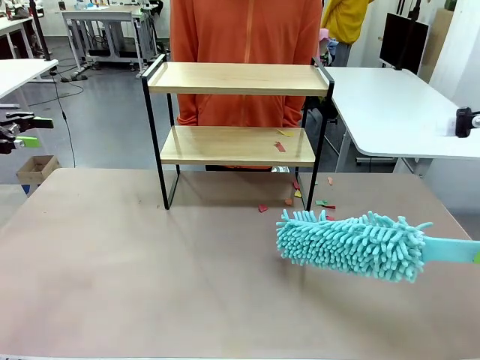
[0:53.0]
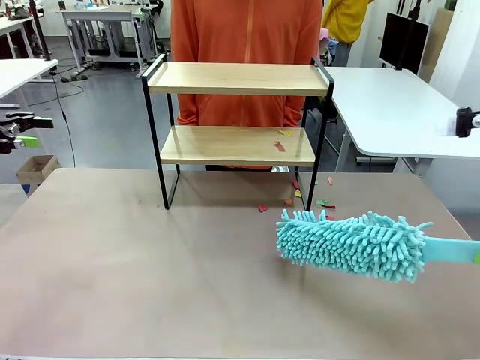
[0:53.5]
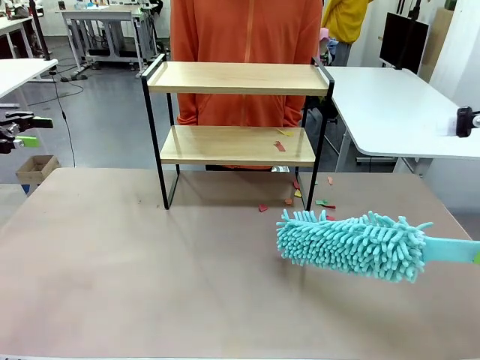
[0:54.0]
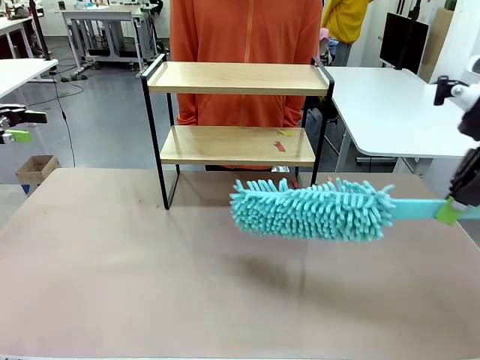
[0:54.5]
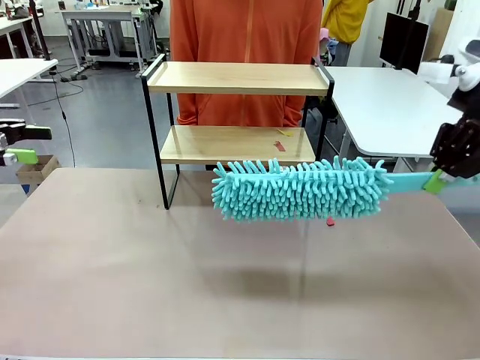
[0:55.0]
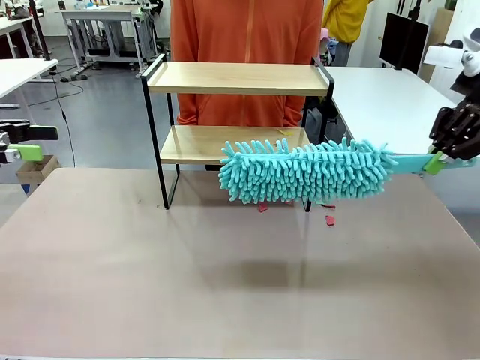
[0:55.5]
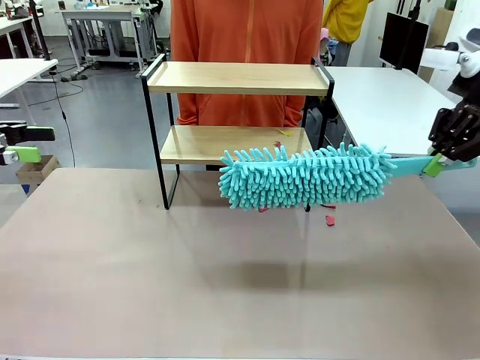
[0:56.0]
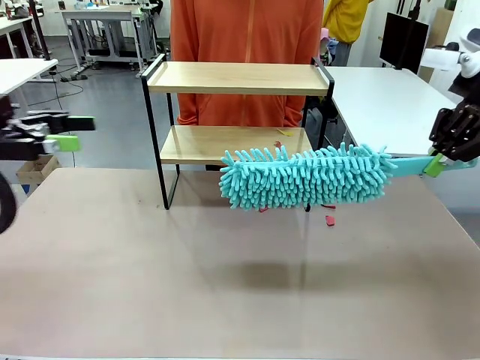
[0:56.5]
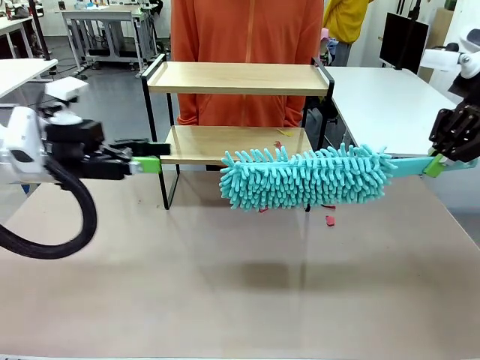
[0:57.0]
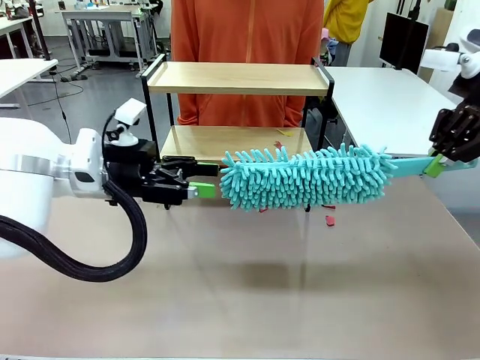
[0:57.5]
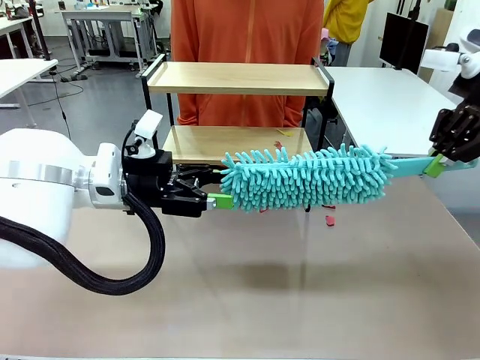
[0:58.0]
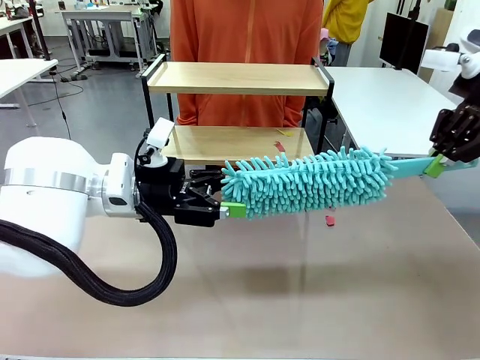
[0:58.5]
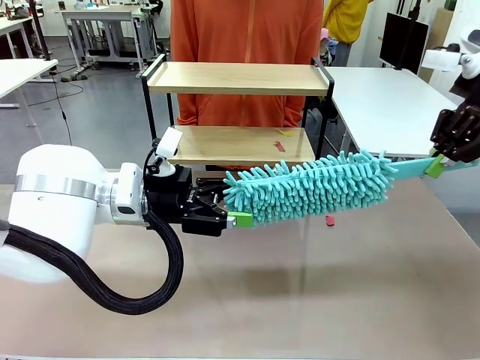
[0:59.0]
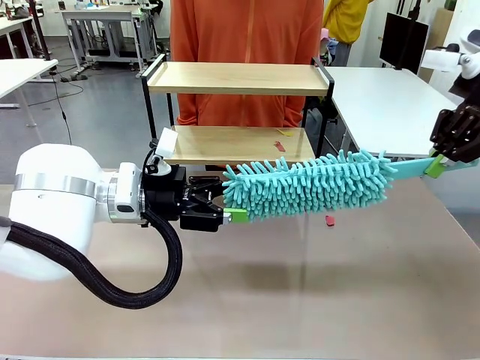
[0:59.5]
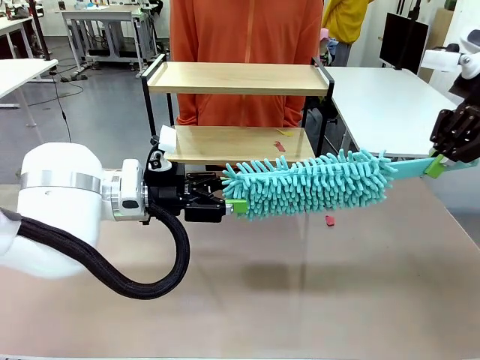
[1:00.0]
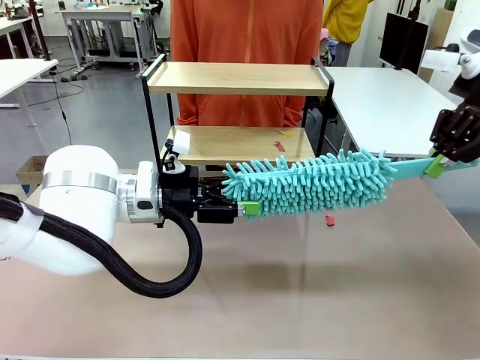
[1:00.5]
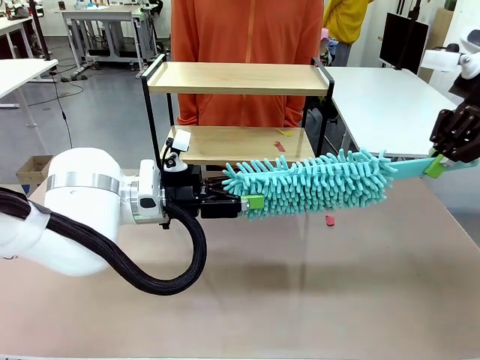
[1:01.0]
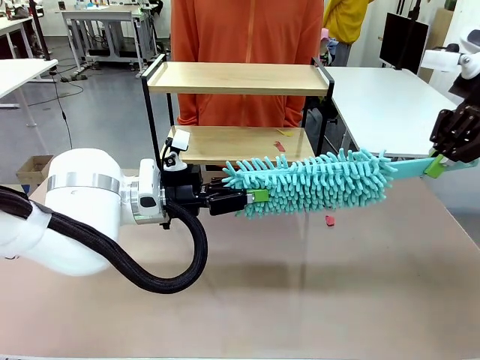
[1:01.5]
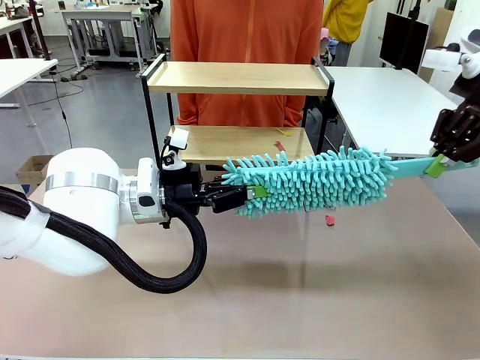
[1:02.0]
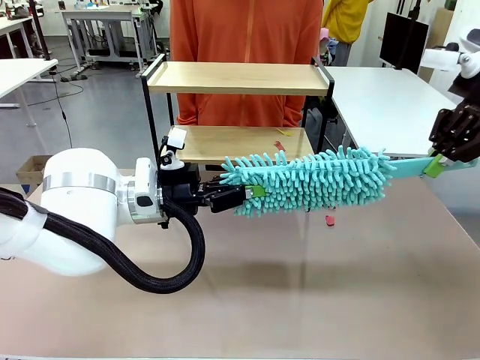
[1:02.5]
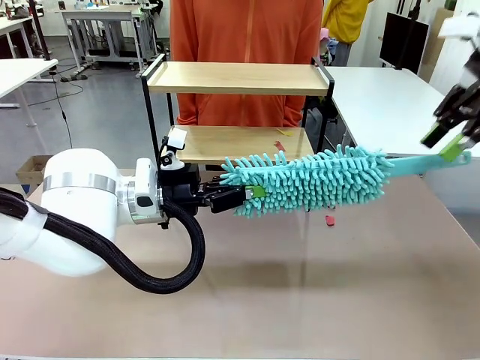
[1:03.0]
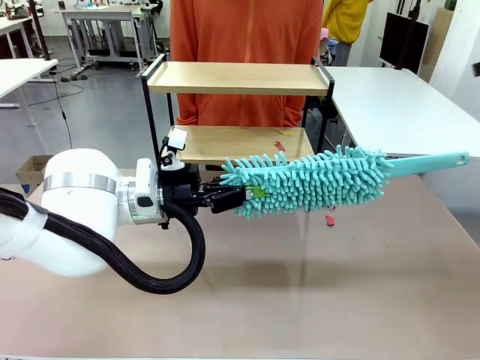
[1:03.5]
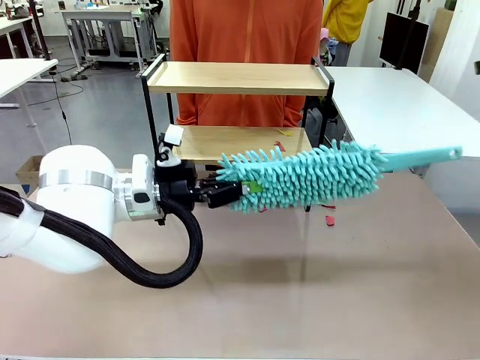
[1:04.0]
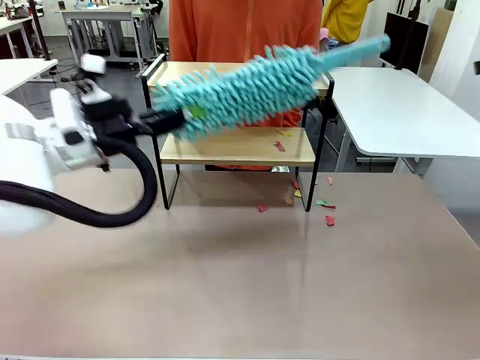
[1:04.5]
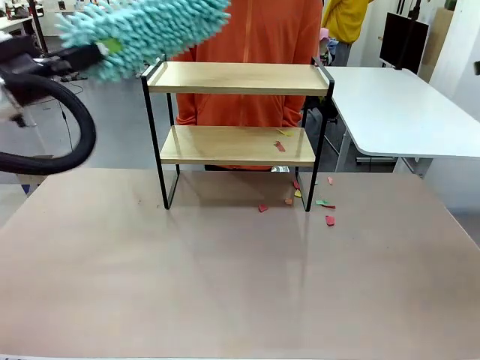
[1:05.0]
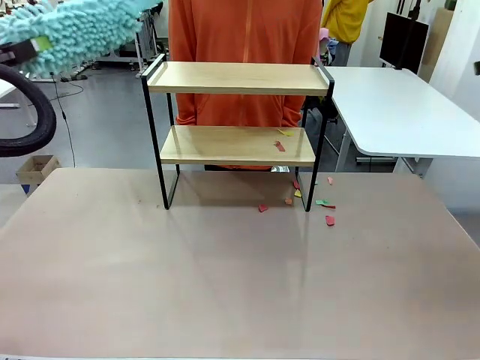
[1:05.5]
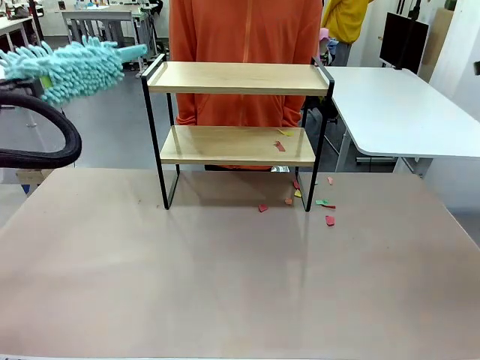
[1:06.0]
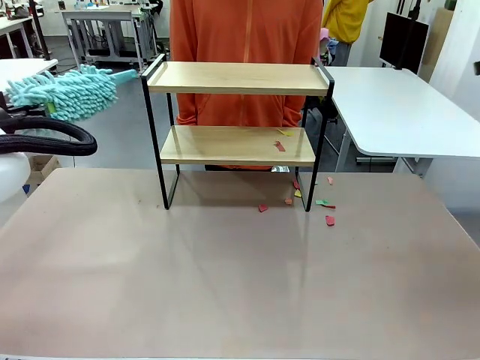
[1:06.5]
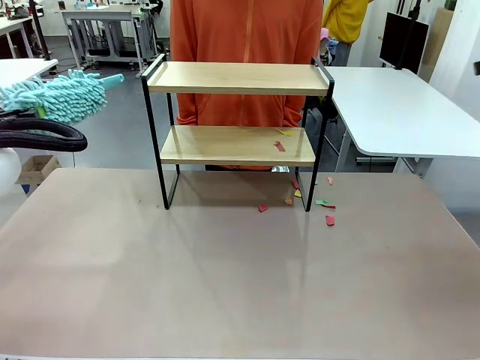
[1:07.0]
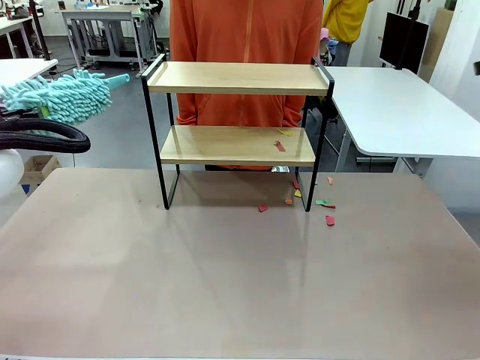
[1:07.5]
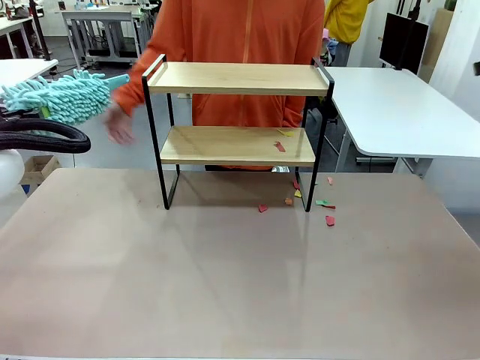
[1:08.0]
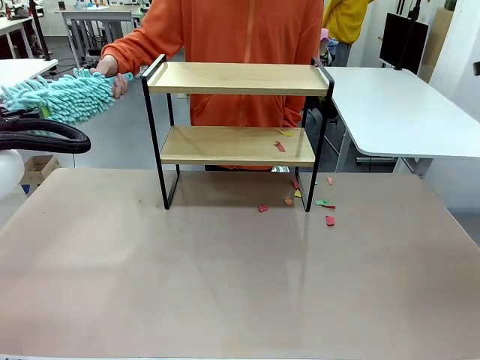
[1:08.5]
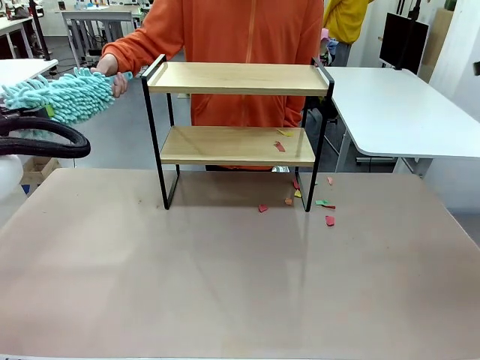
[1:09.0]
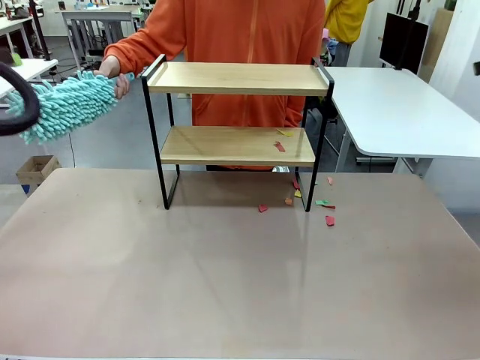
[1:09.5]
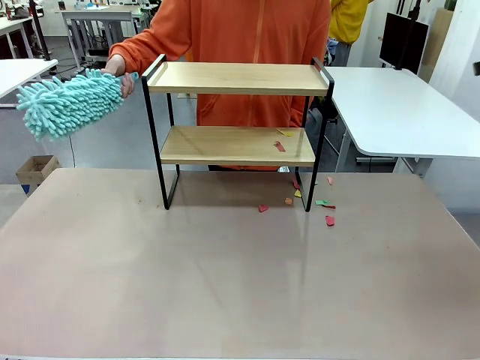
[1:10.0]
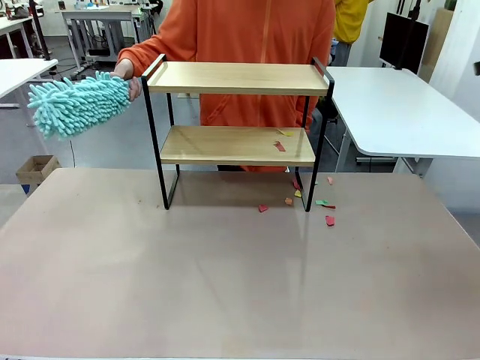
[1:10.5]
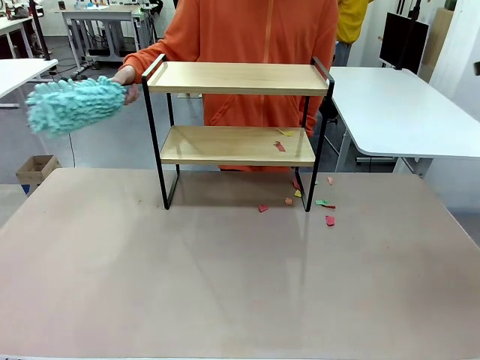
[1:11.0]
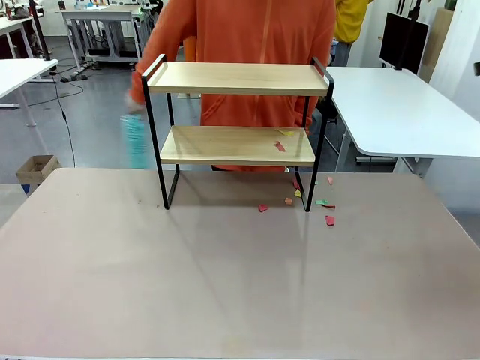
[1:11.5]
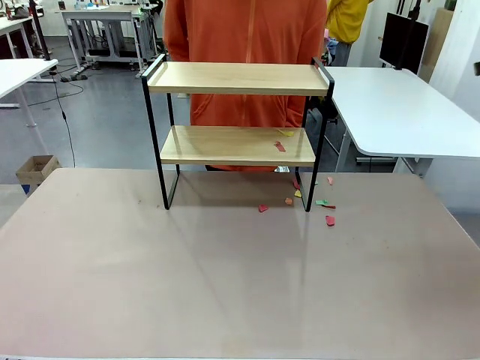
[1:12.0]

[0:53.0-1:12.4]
Task: Clean the shelf.
Robot: Hand the Duster back to the human.
Person: Receive the Duster from the robot.

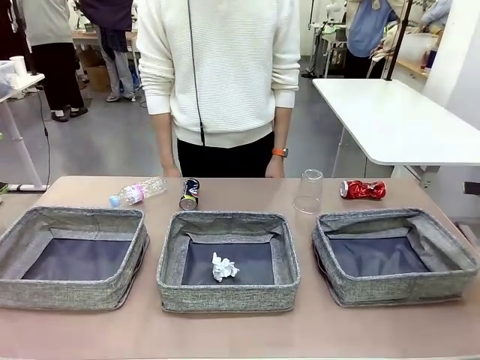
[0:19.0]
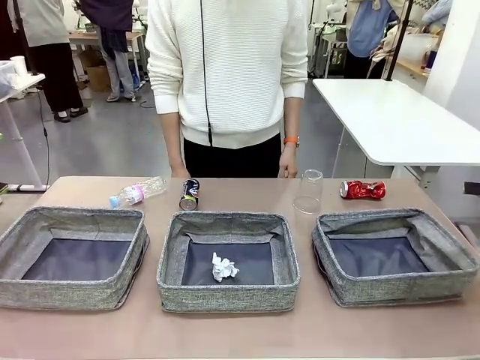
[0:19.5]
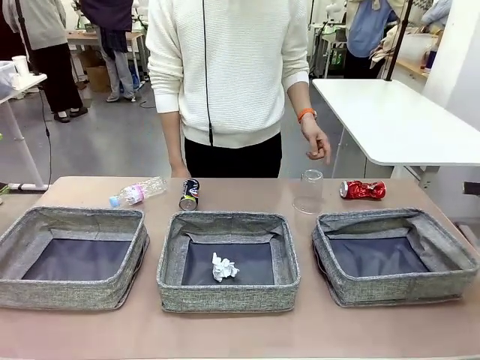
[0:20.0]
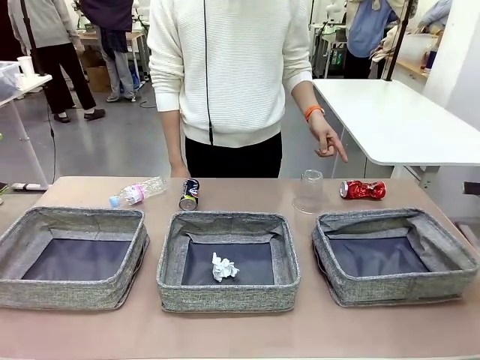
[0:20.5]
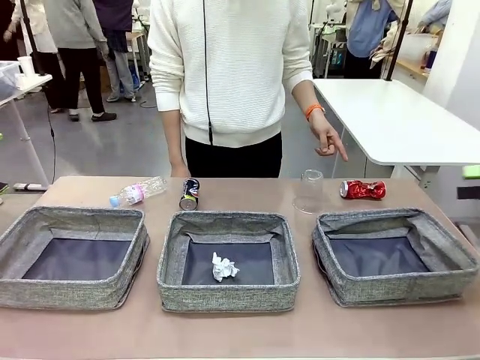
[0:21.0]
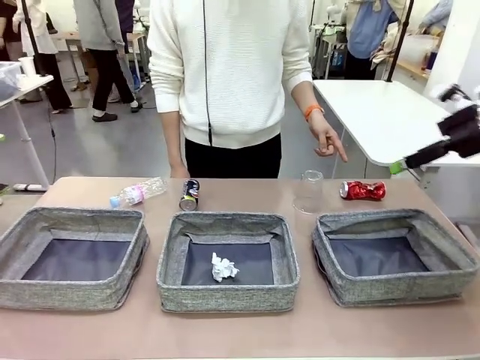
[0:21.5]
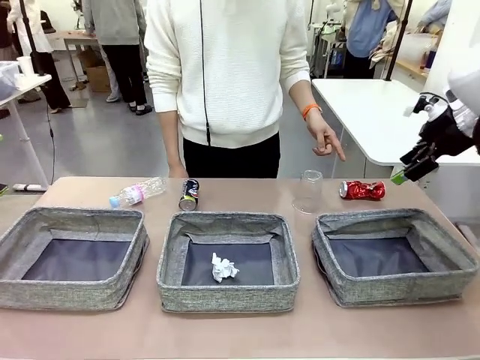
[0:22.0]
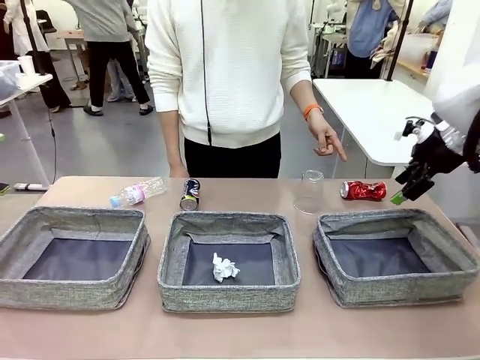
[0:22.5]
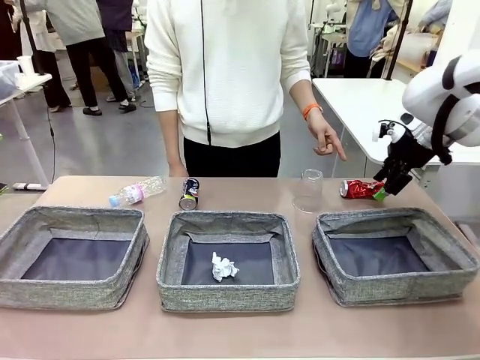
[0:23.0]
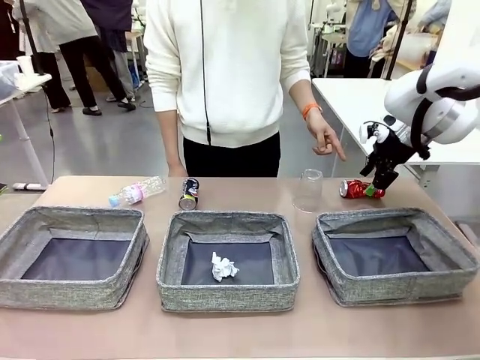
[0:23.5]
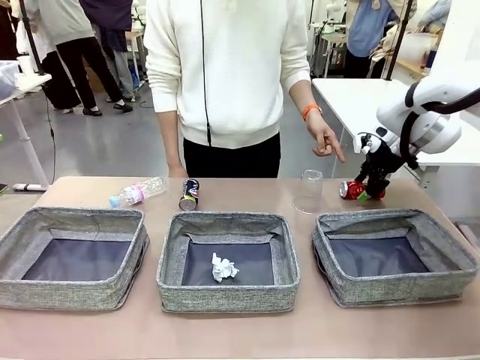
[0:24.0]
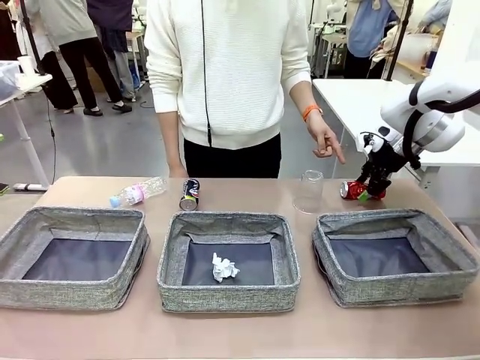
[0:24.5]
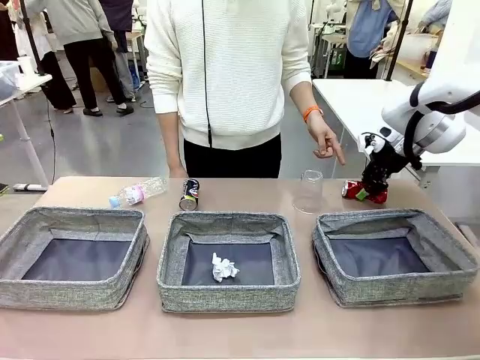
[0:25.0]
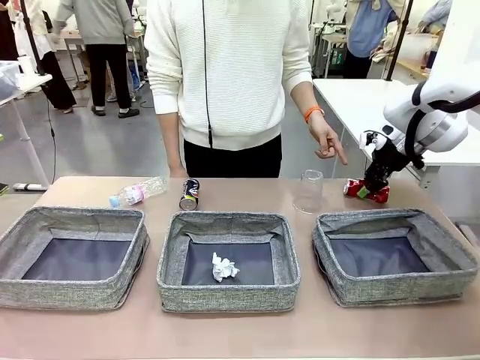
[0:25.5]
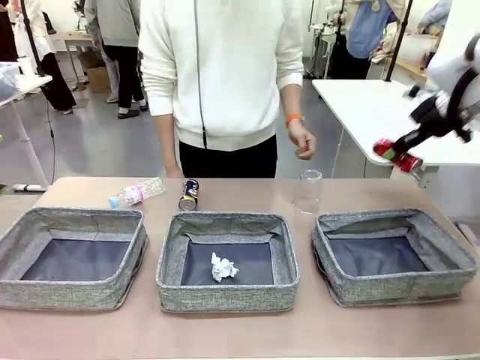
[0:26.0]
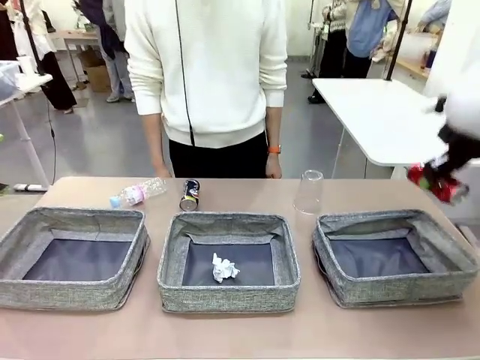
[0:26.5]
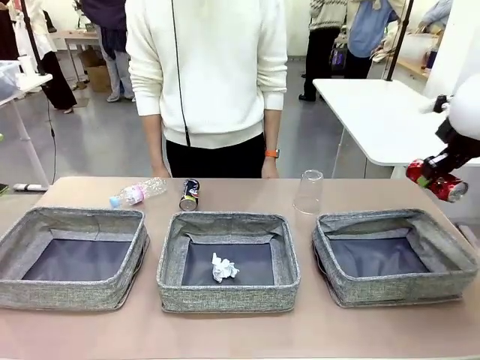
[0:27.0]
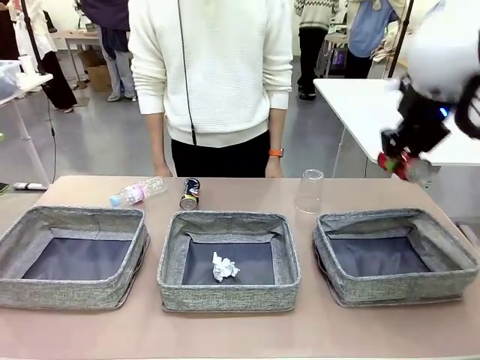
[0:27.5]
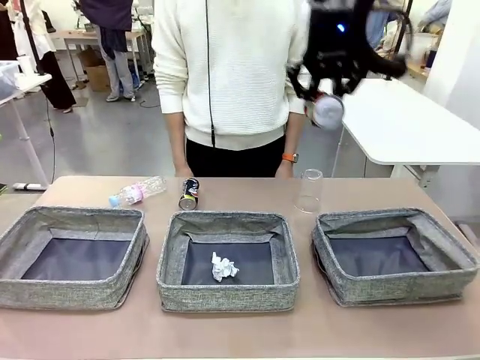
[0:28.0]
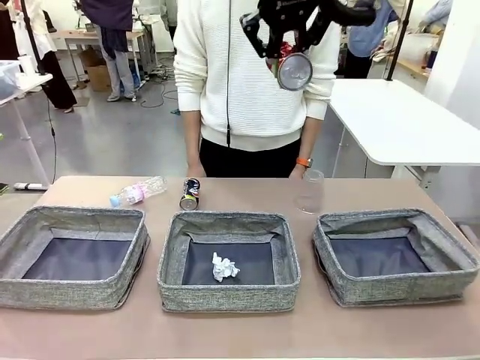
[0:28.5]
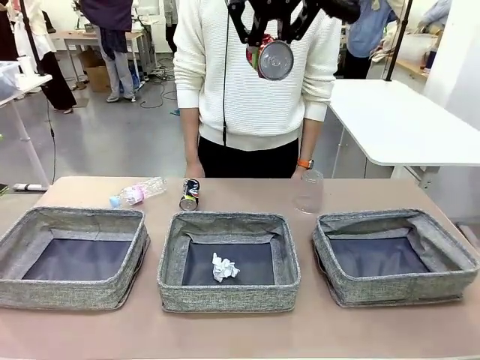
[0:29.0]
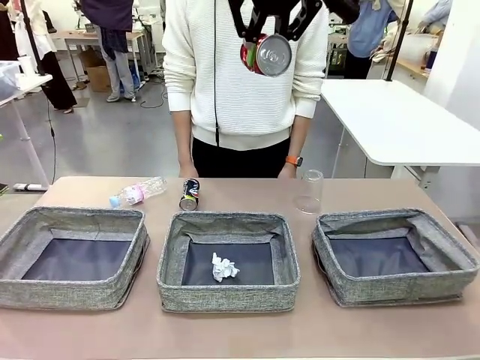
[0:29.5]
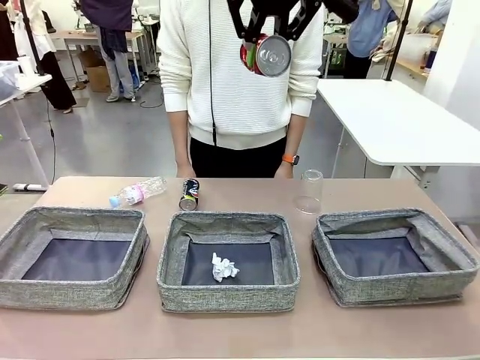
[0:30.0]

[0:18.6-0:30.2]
Task: Sort the waste into the appropriate baskets.
Robot: Pick up the waste item pointed out by the person.
Person: Points to one piece of trash on the table.
